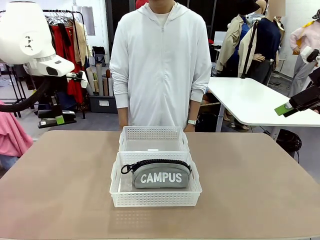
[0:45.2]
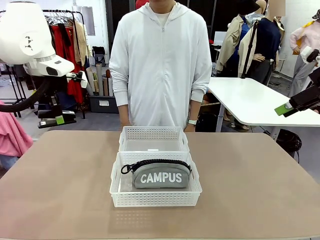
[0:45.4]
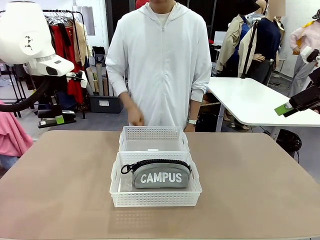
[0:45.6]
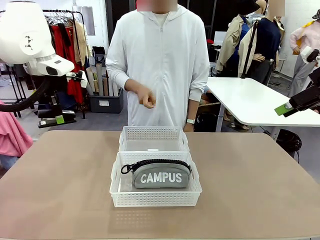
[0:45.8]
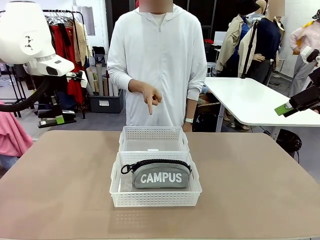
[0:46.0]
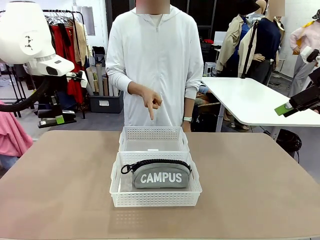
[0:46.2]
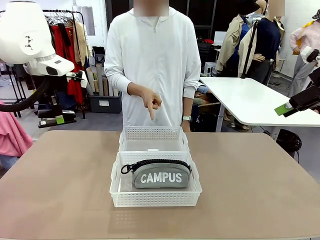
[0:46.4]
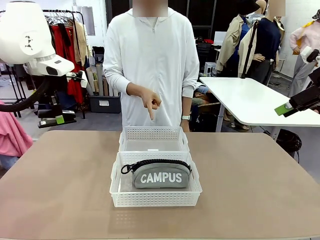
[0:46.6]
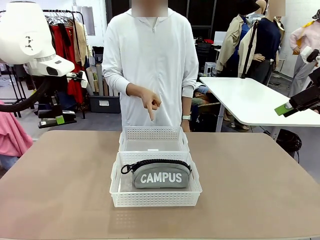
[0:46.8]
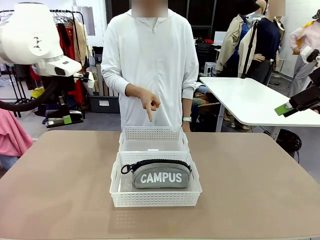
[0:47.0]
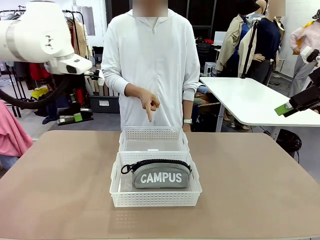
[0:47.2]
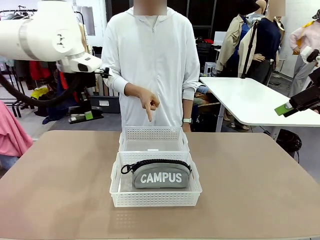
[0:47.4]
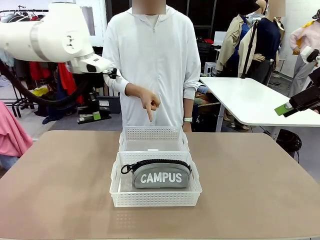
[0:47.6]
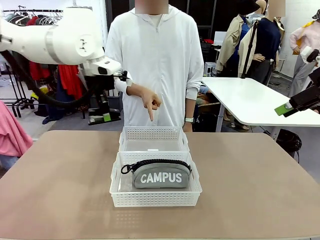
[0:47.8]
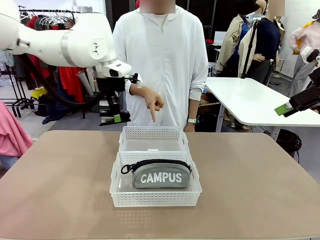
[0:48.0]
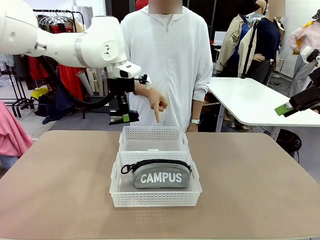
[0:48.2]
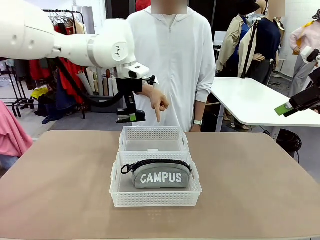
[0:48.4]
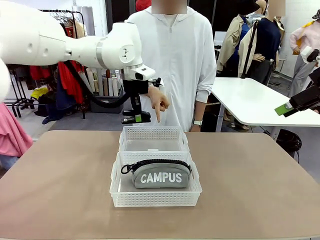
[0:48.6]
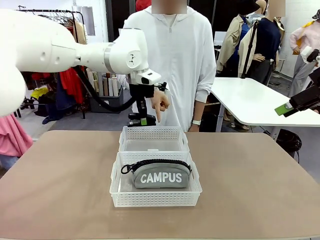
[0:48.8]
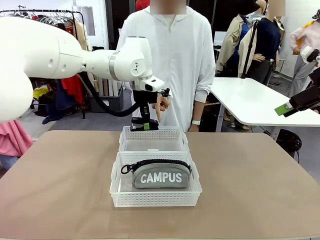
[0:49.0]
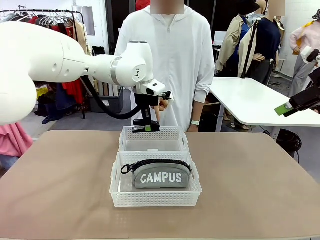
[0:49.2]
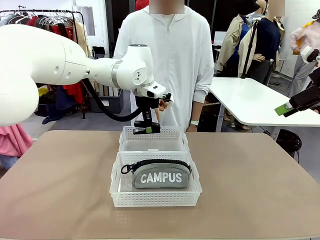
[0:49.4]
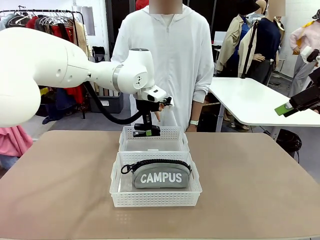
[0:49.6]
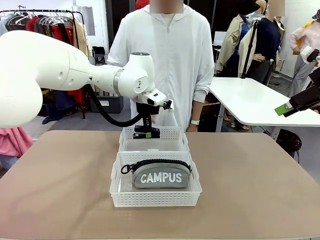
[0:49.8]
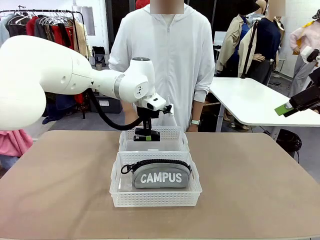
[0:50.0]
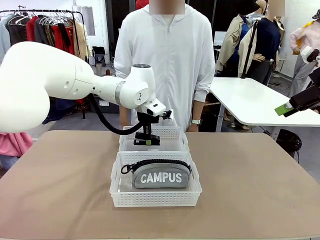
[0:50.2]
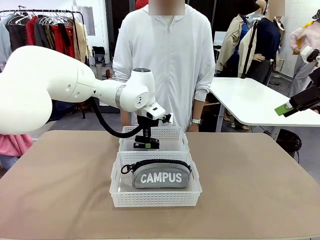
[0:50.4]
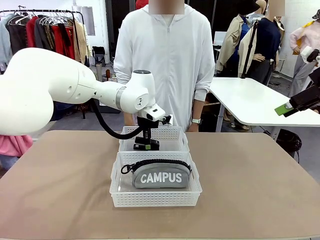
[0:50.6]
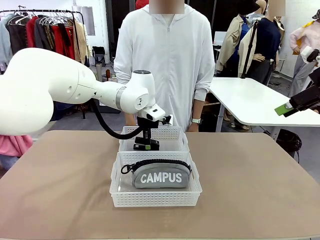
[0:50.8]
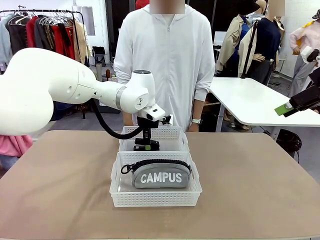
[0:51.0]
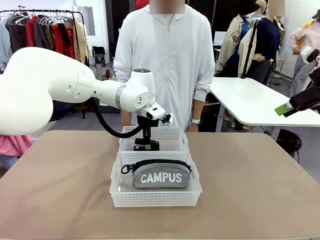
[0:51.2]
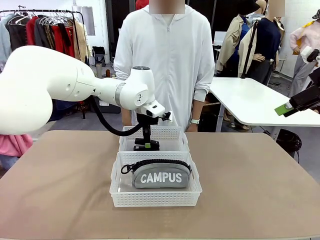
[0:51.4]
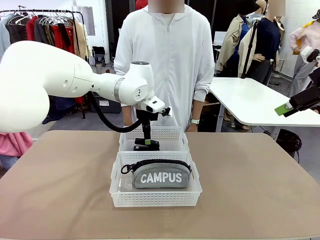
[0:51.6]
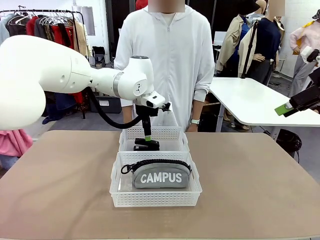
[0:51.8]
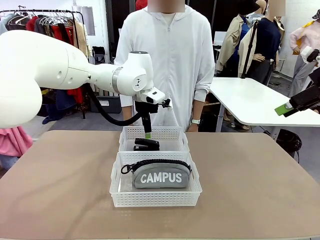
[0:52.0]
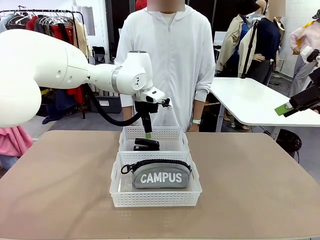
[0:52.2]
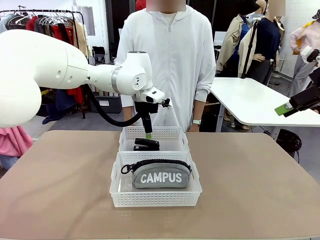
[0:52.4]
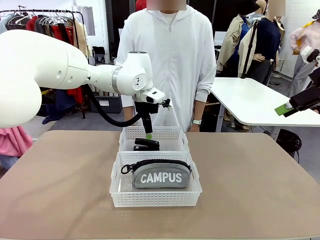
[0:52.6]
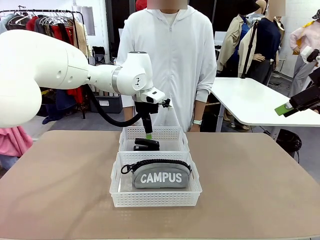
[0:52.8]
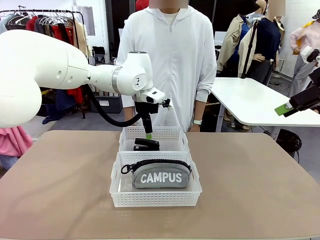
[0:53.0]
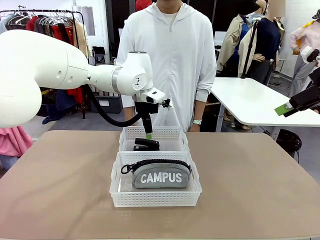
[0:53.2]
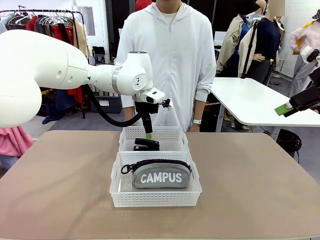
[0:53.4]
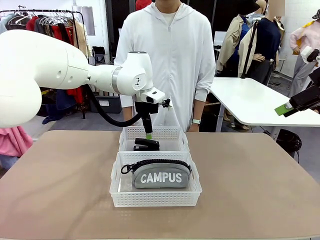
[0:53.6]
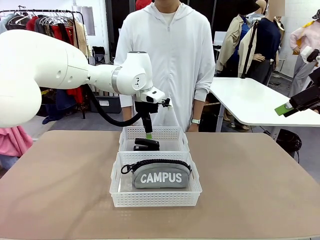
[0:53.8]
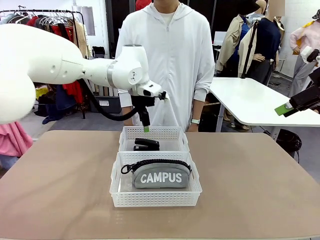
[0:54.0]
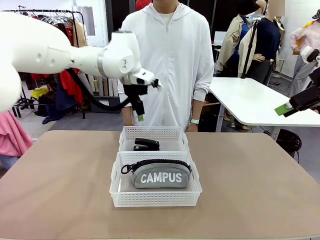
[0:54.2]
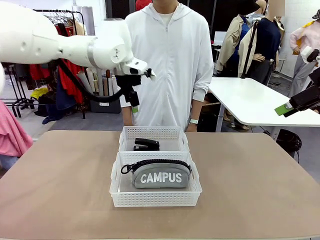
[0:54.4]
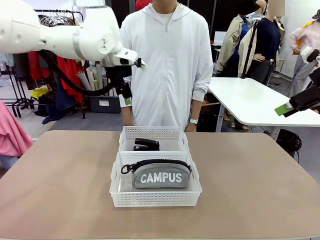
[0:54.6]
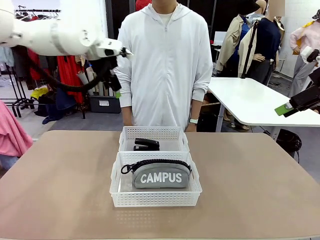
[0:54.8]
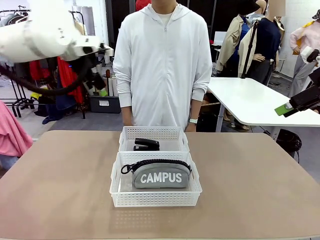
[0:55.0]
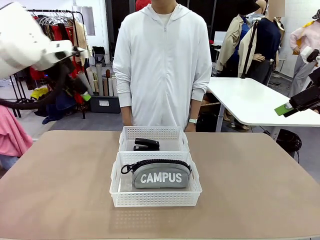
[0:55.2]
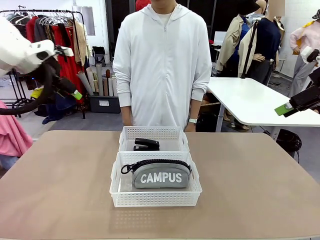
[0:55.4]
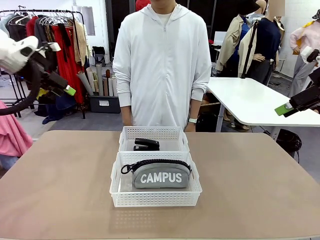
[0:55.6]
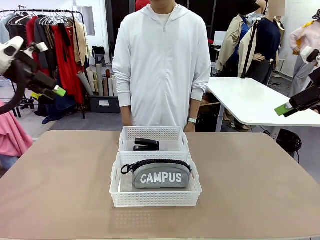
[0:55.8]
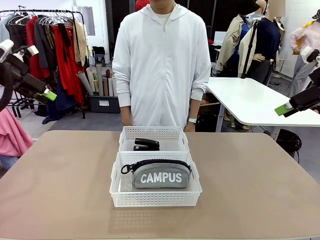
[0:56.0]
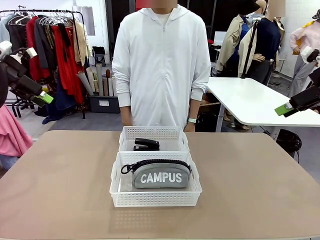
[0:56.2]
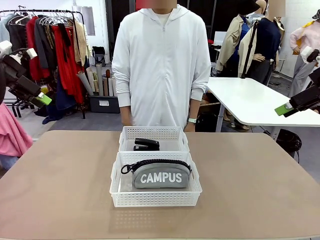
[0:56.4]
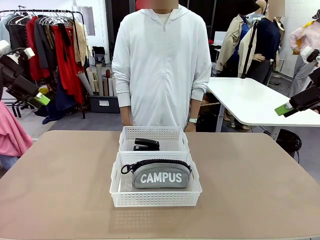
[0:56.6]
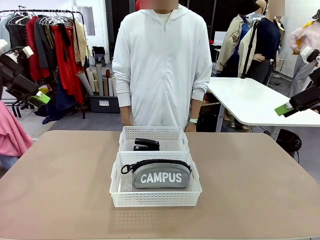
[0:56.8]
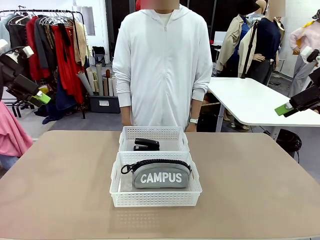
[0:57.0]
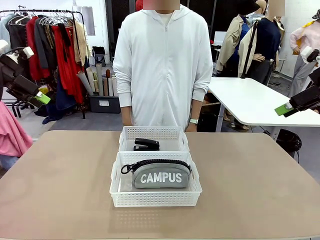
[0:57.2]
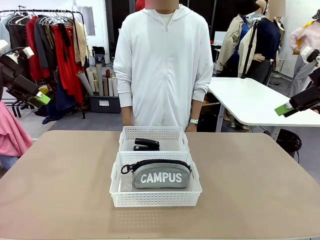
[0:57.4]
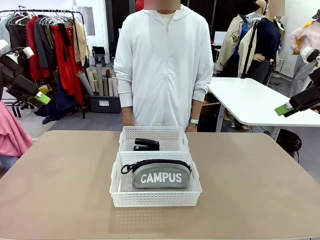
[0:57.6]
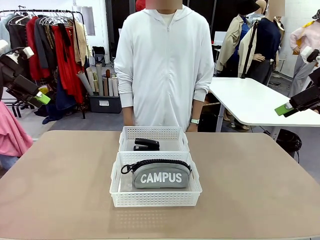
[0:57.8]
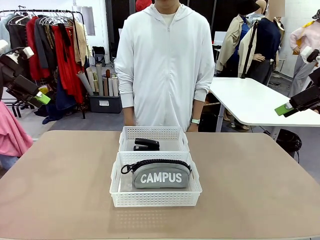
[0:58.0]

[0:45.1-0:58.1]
Task: Distribute items into two baskets.
Robot: Place the picked Stapler into the Organizing basket as instructed by the person.
Person: Points to the basket that does not contain the pencil case and instructs the robot to move the stapler there.

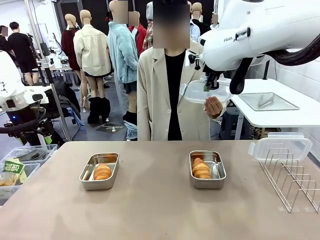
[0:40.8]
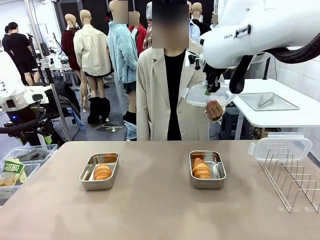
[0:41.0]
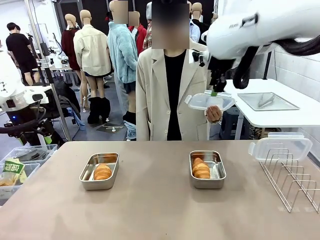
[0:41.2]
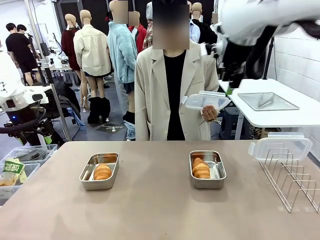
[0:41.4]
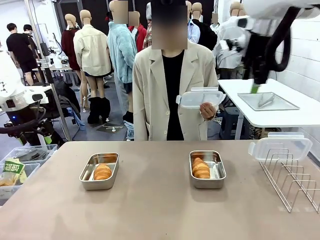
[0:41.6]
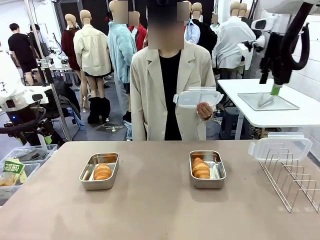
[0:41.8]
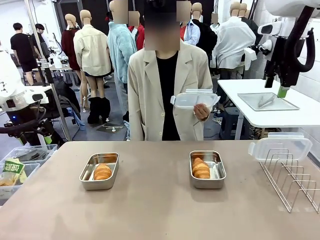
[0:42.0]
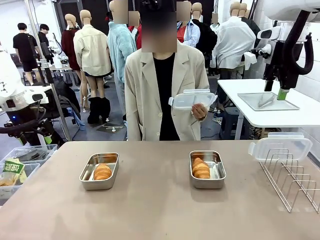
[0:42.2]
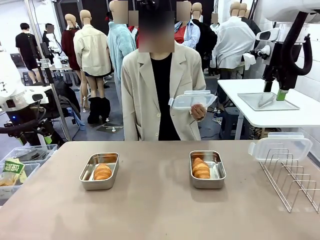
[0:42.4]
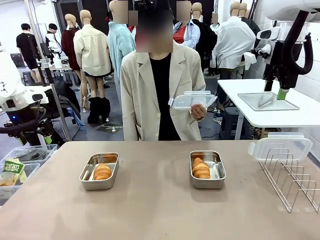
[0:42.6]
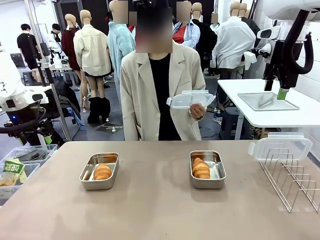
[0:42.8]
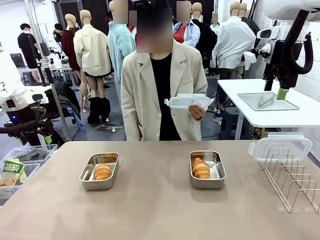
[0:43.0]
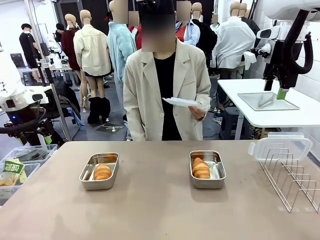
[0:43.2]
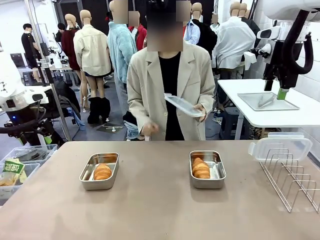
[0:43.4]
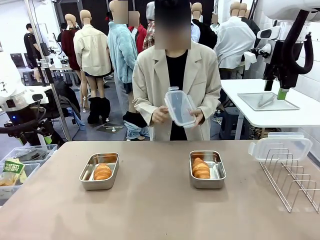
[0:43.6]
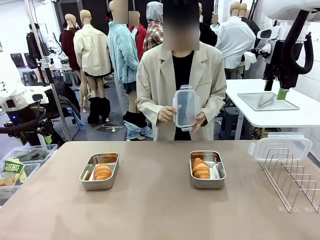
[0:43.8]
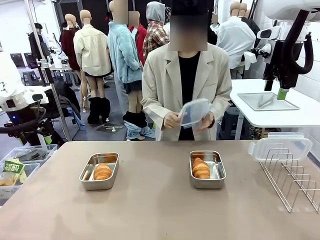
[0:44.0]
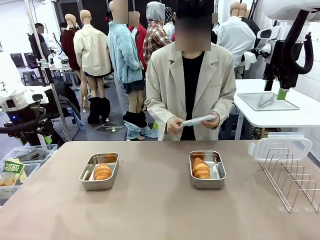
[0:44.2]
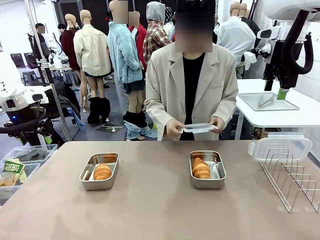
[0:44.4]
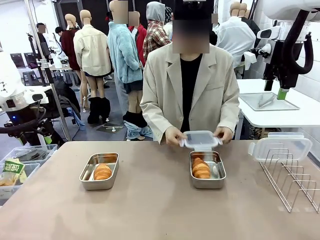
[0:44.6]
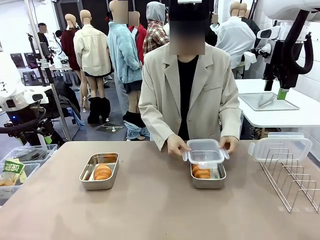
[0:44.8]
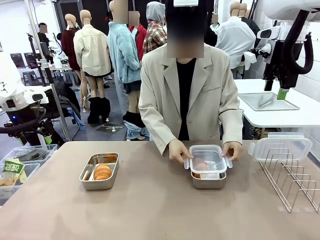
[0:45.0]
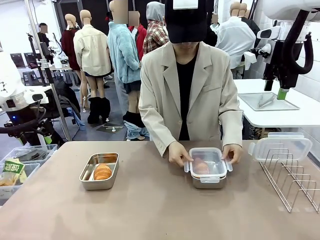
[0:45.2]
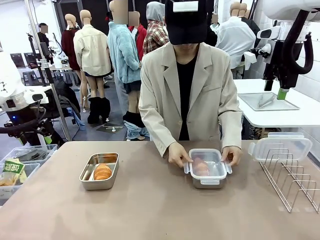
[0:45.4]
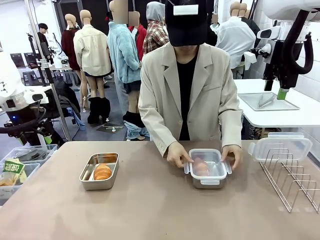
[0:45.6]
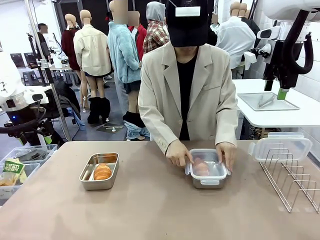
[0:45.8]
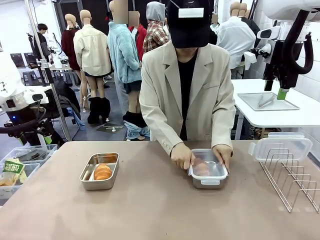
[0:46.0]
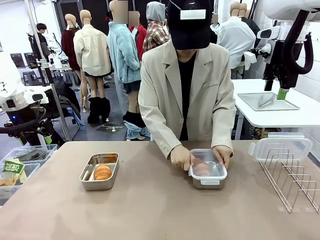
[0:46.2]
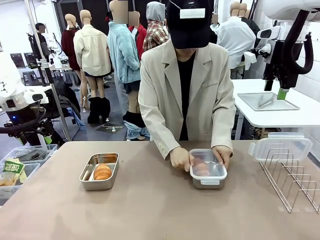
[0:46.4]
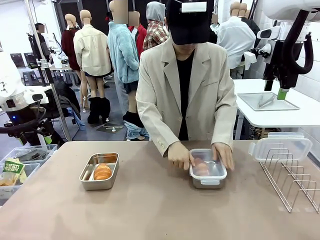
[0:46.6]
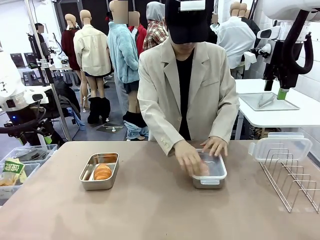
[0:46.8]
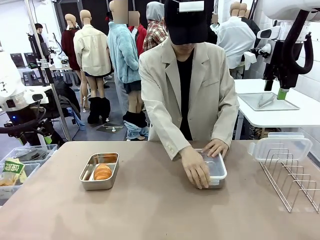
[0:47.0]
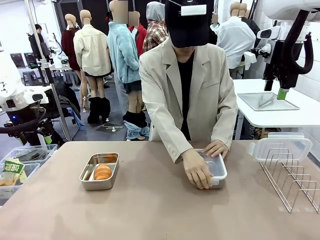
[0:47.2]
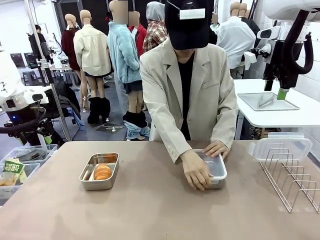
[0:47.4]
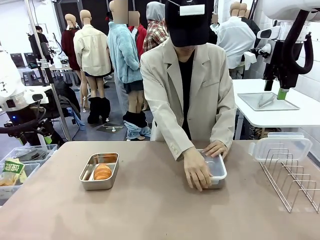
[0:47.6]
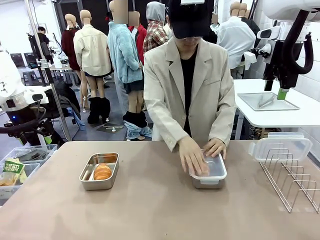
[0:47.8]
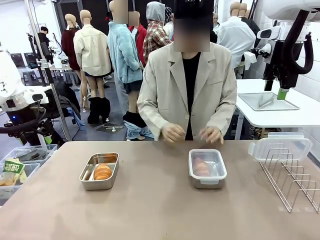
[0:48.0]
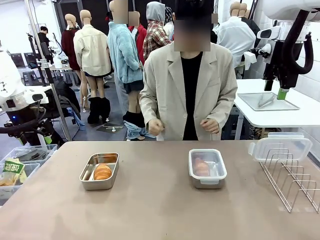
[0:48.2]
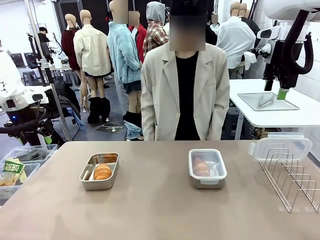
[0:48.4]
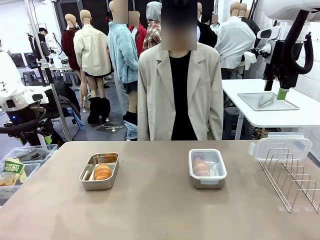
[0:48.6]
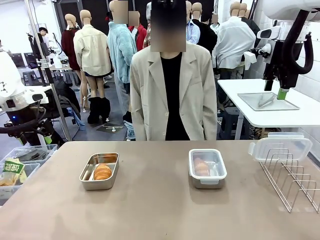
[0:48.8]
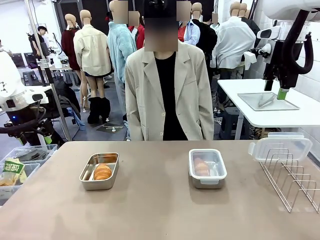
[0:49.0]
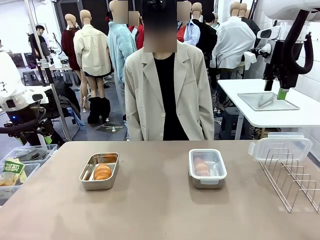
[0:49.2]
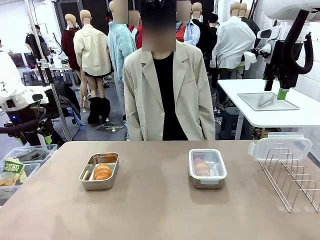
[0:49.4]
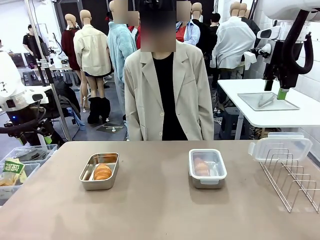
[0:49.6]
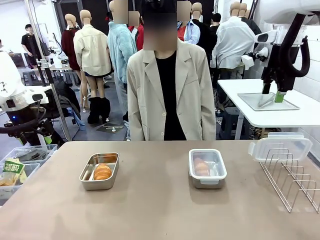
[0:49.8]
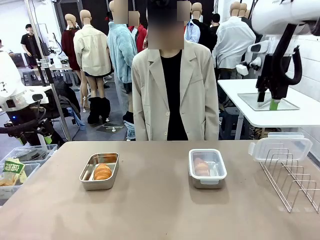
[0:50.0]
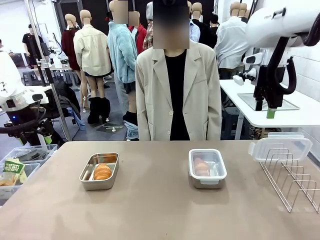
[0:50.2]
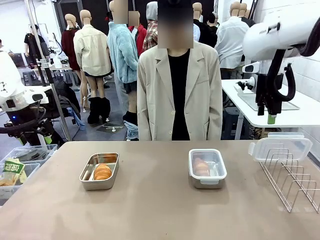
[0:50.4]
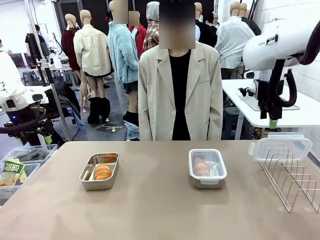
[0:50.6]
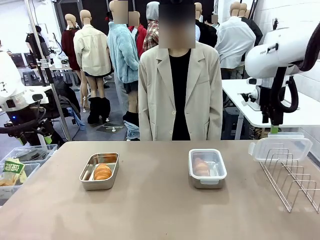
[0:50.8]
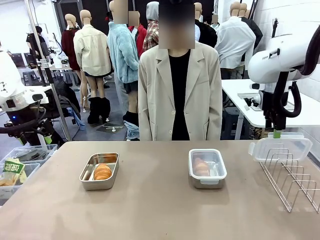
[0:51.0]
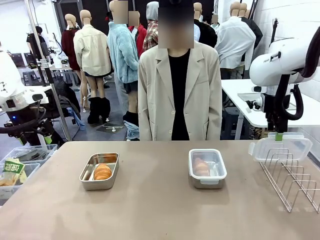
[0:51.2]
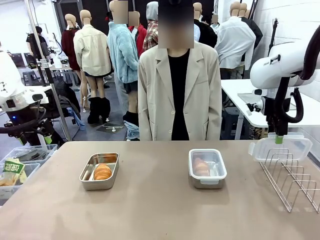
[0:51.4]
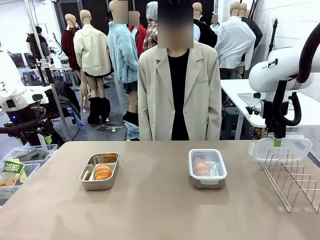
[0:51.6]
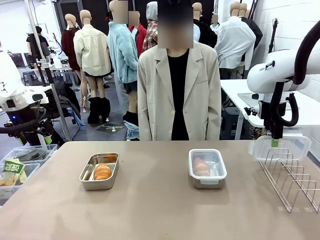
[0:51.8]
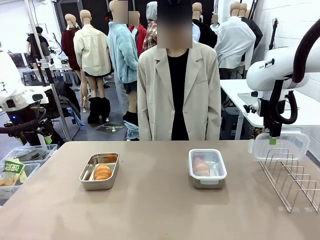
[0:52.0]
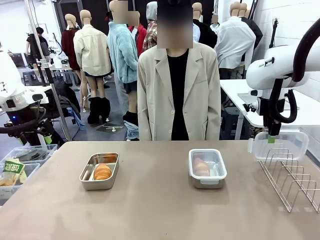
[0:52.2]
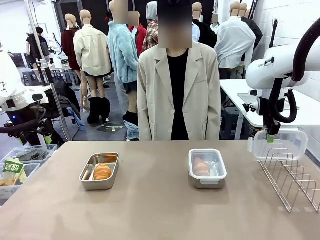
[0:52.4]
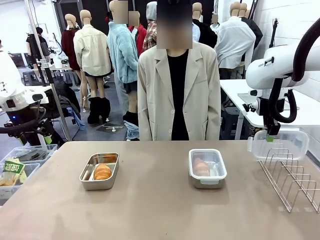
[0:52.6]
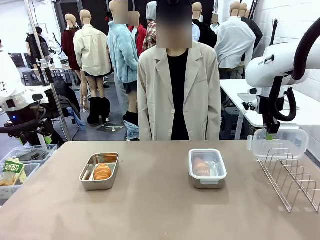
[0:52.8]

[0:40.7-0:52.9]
Task: Place the bread in airtight containers.
Robot: Pick up one Airtight Container lid and hand it to the human.
Person: Close Airtight Container with a handed Airtight Container lid.
